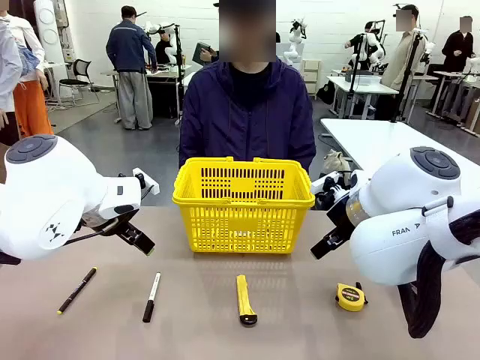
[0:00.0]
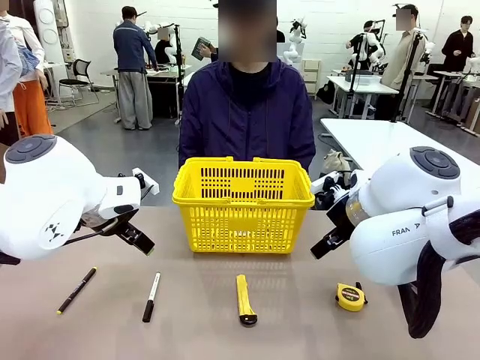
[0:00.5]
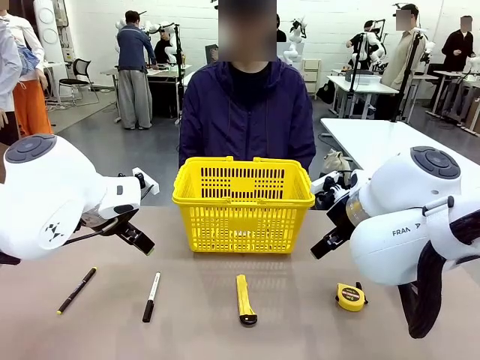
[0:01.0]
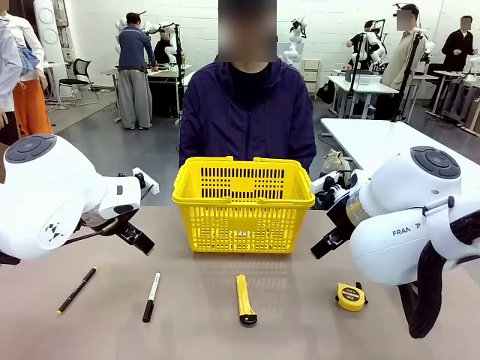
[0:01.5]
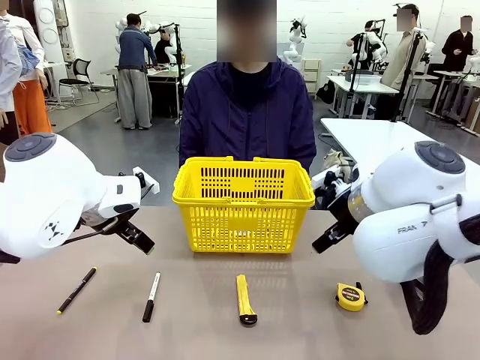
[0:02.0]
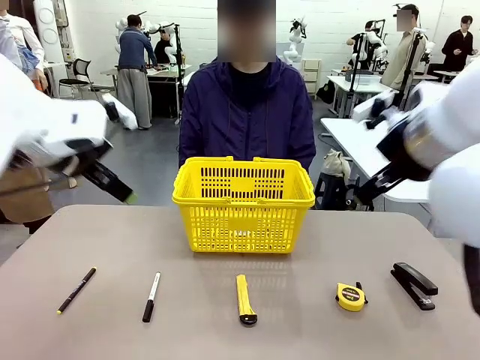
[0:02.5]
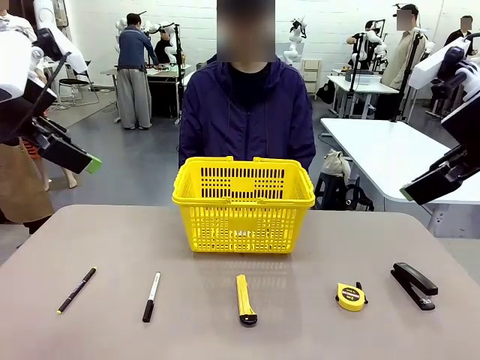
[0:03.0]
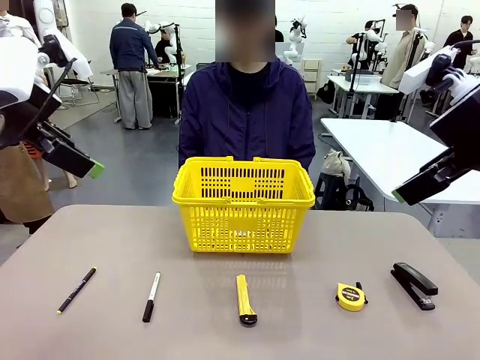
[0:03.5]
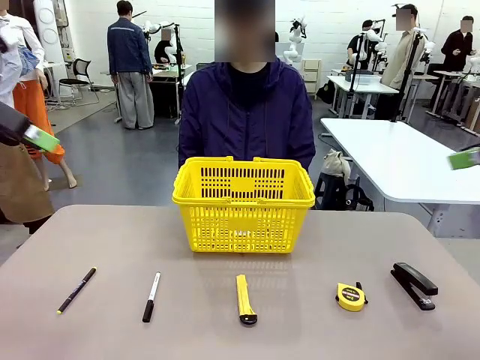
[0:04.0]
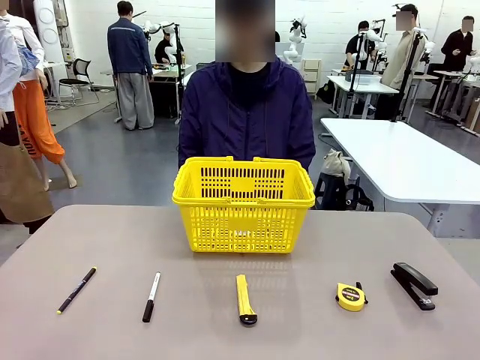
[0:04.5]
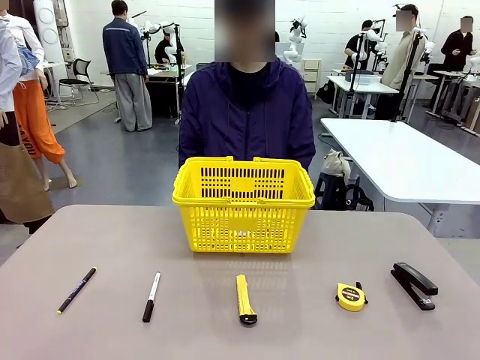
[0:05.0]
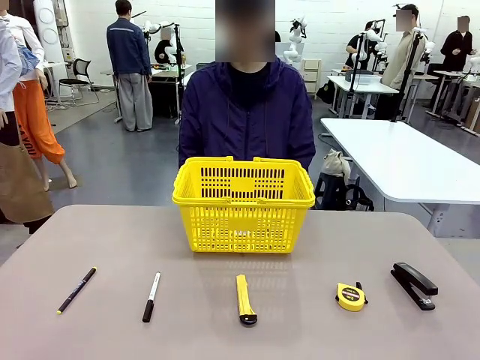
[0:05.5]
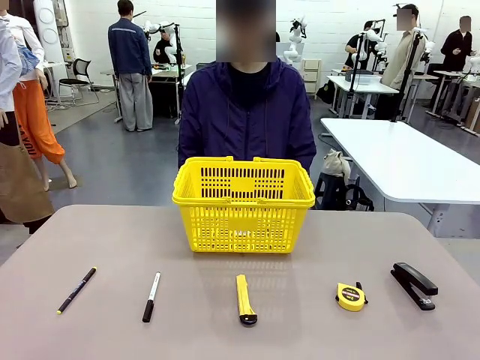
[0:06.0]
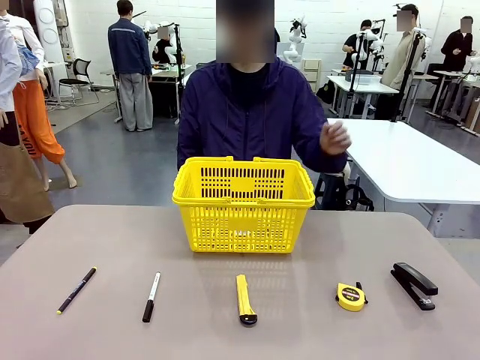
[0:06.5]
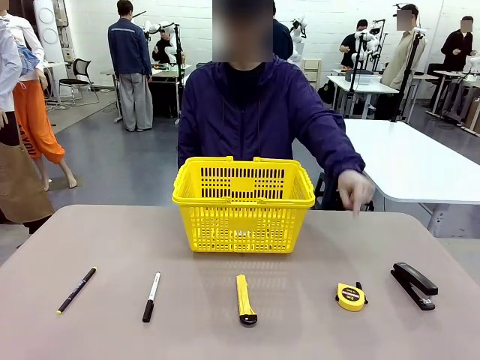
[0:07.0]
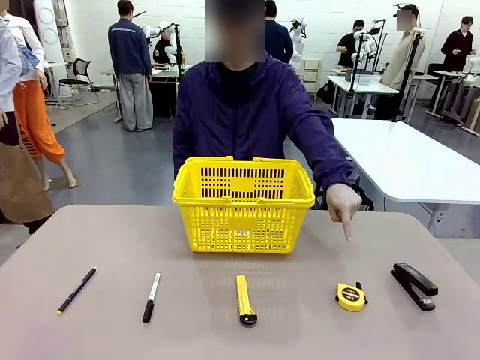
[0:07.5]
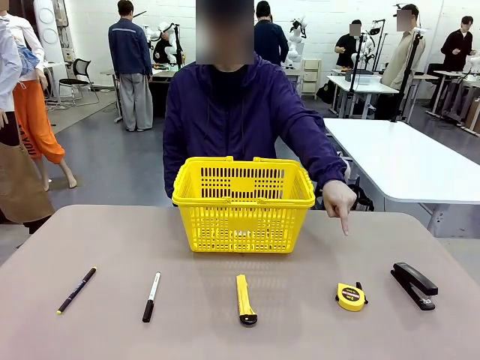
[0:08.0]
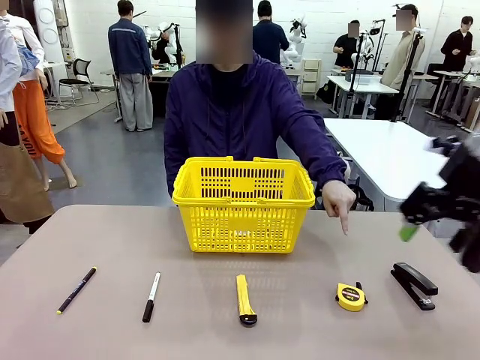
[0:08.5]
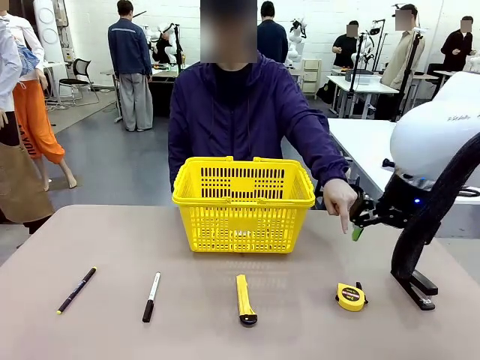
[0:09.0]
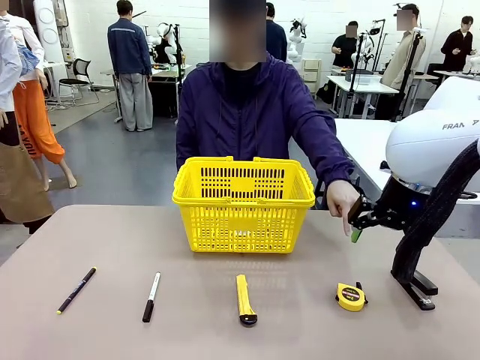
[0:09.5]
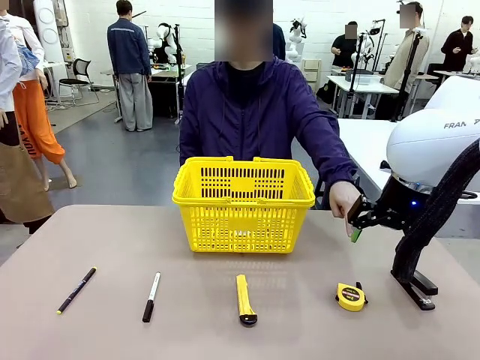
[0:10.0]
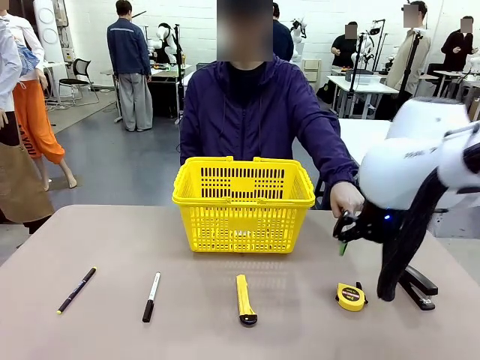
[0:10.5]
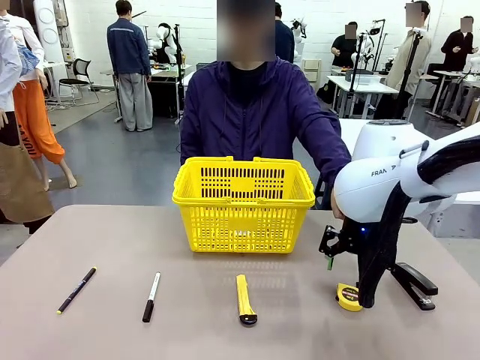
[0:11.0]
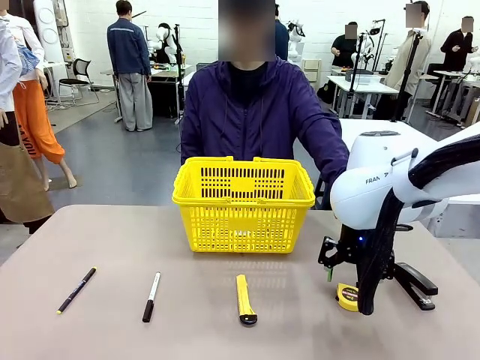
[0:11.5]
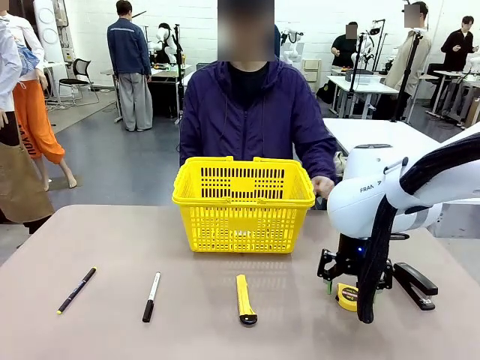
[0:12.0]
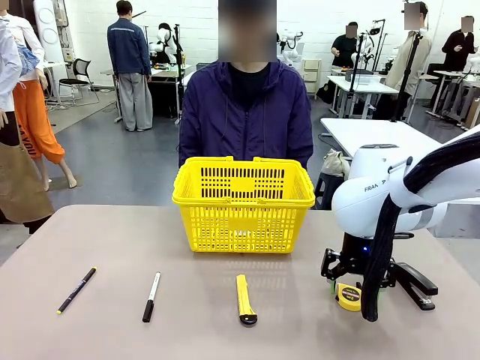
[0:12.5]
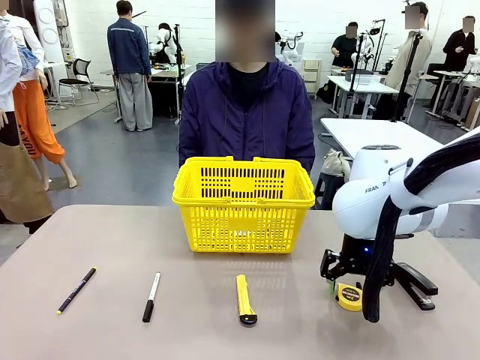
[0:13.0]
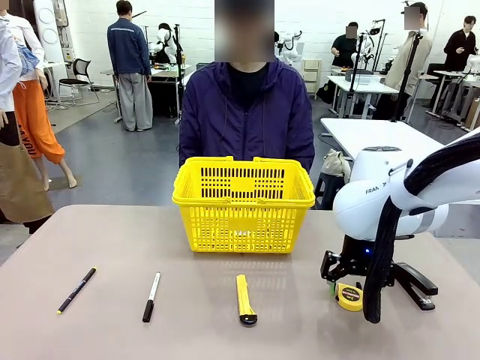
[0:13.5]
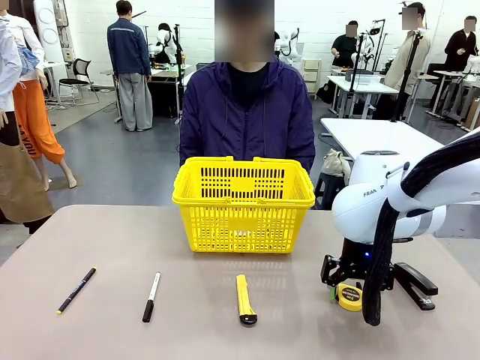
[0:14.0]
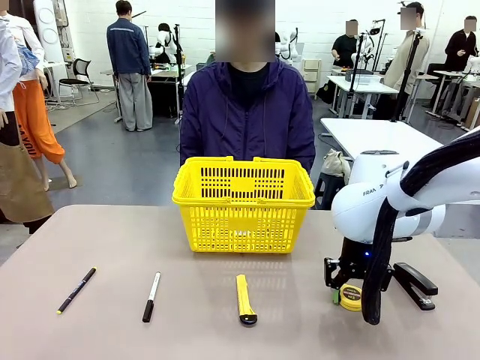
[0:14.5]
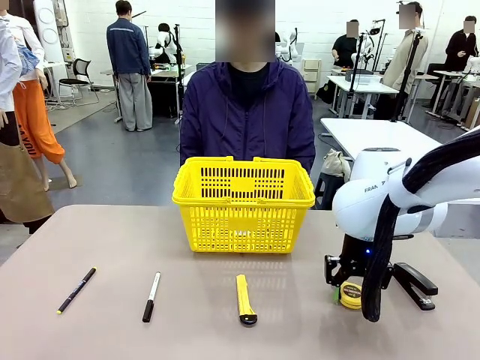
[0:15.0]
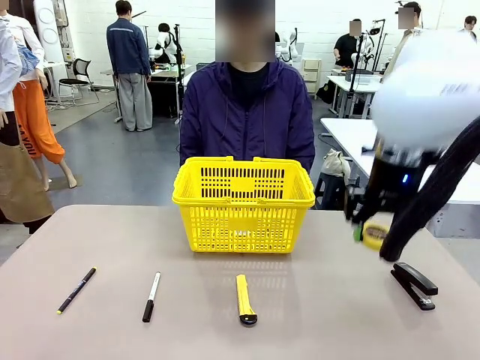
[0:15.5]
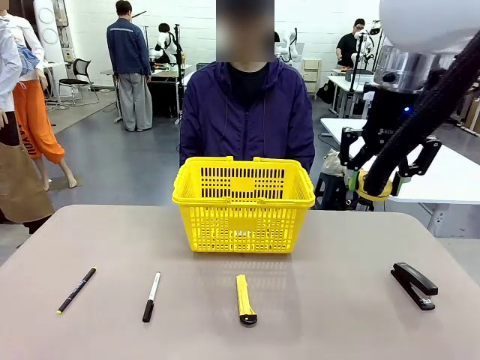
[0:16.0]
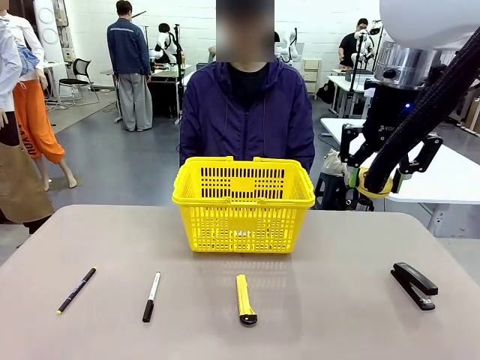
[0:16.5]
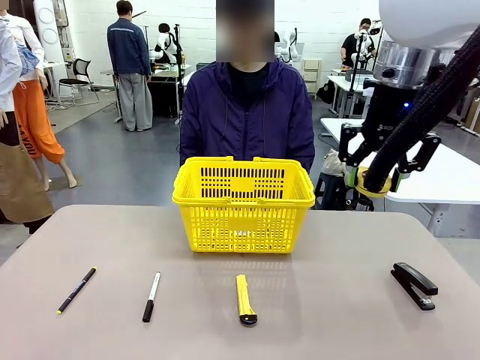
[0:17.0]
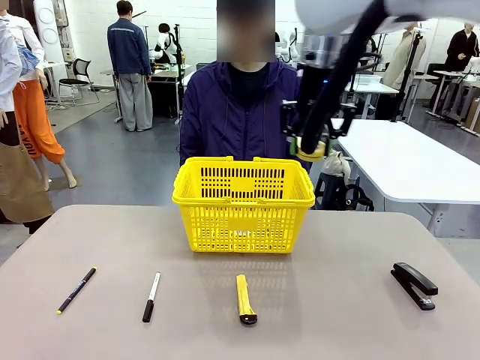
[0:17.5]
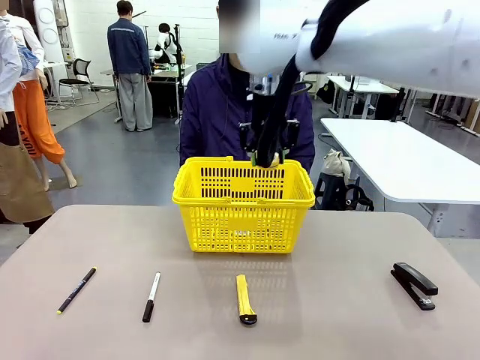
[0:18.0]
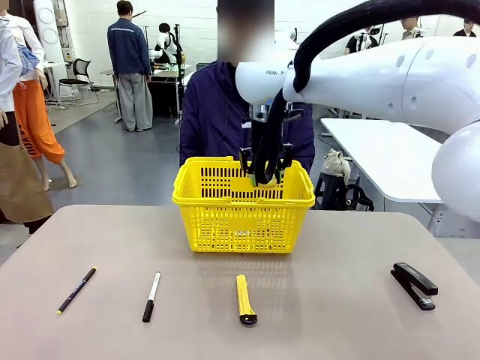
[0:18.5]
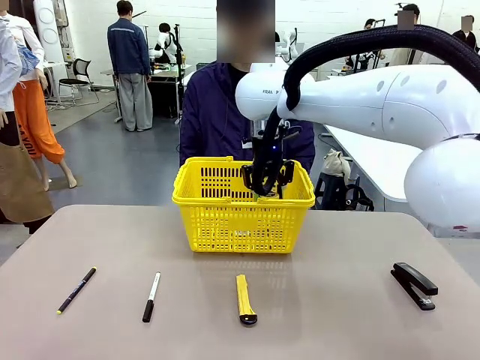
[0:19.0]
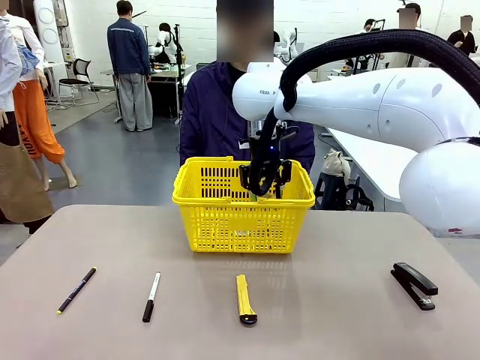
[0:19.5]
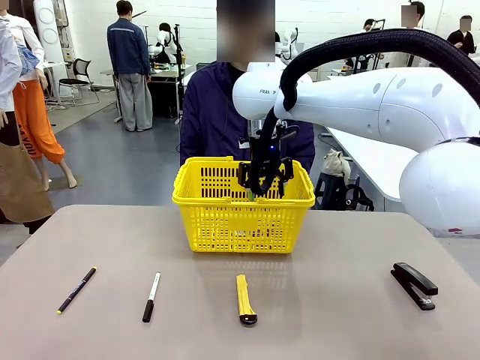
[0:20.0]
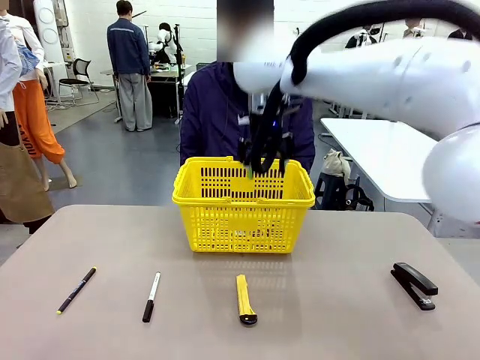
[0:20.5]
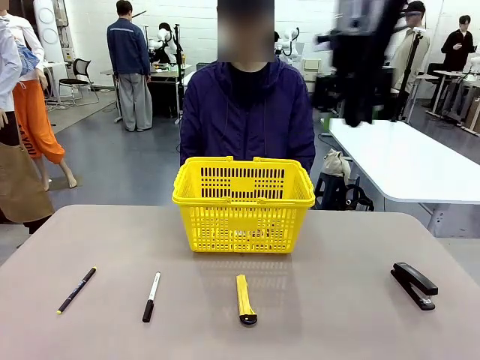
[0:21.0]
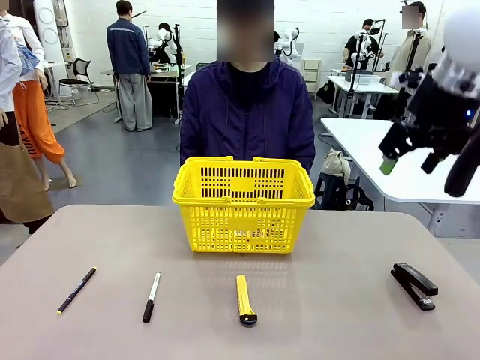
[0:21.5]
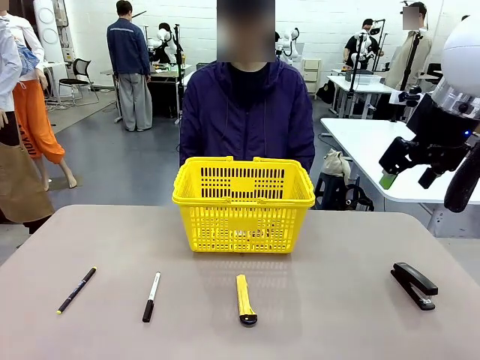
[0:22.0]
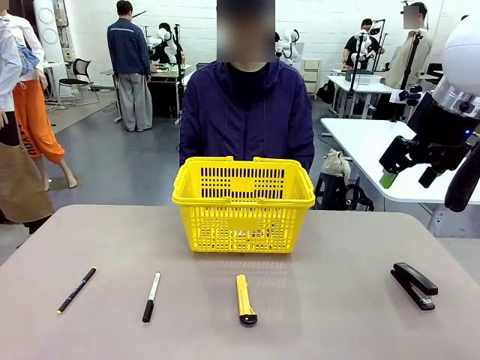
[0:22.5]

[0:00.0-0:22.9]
Task: Place the items the person wants into the basket.
Robot: Pick up the item the person points to and place it in the Market Basket.

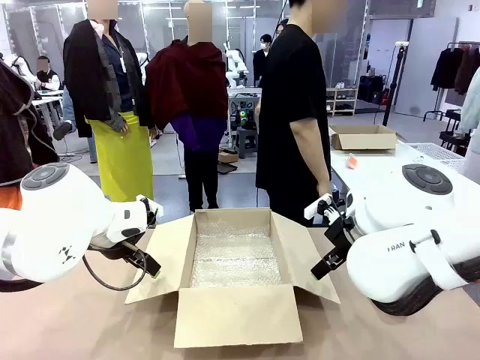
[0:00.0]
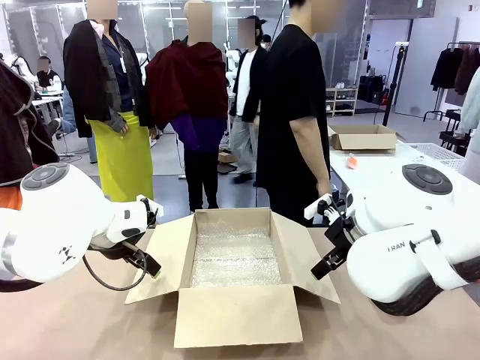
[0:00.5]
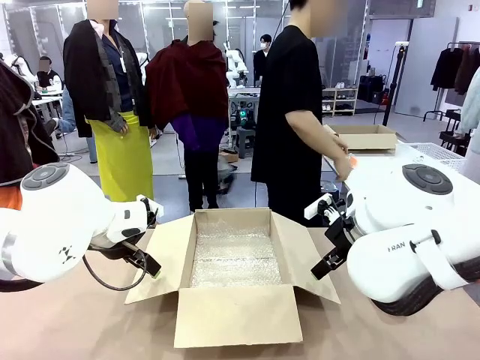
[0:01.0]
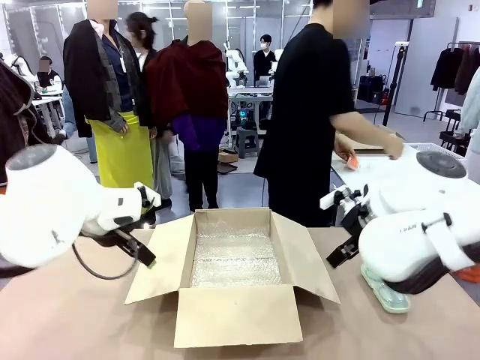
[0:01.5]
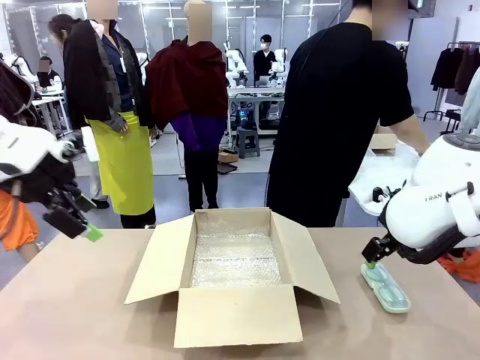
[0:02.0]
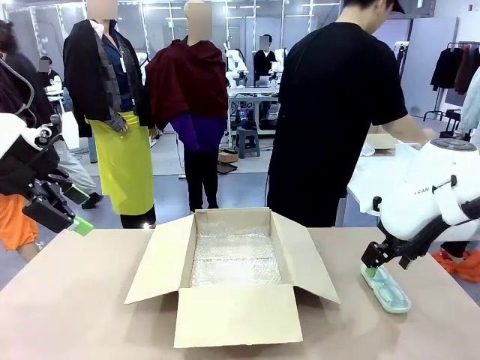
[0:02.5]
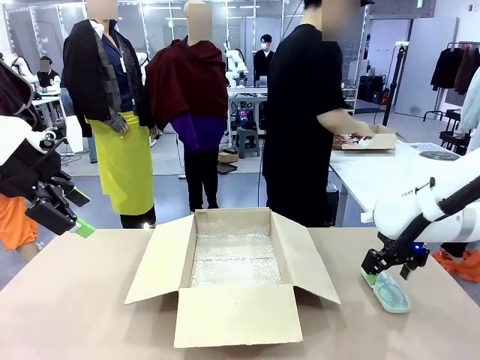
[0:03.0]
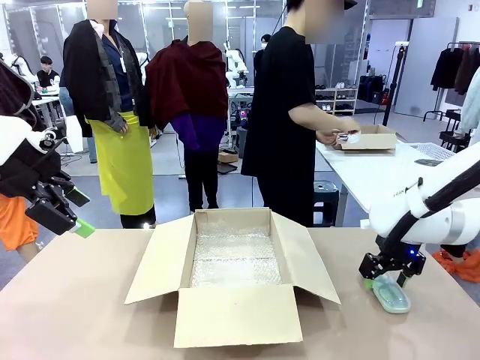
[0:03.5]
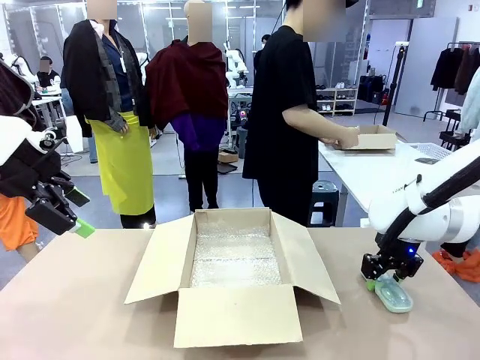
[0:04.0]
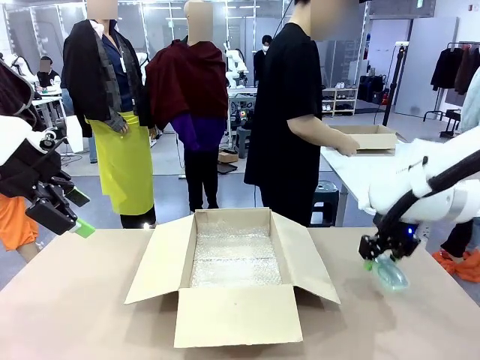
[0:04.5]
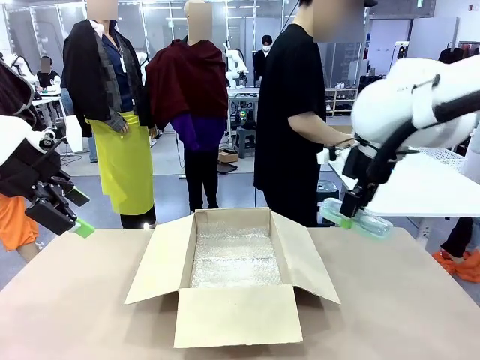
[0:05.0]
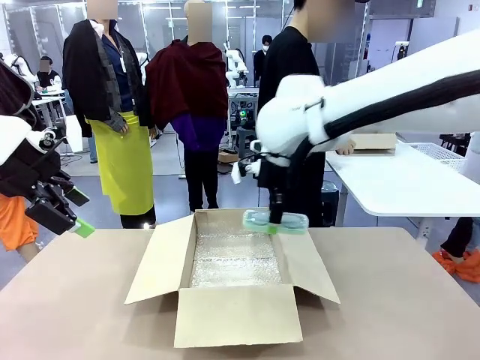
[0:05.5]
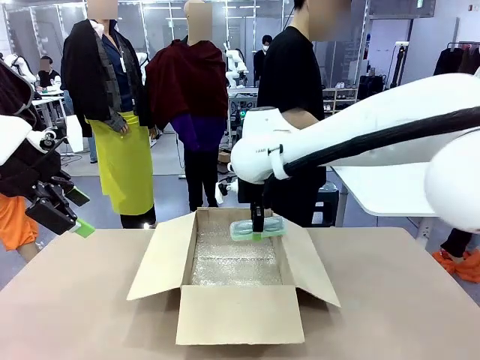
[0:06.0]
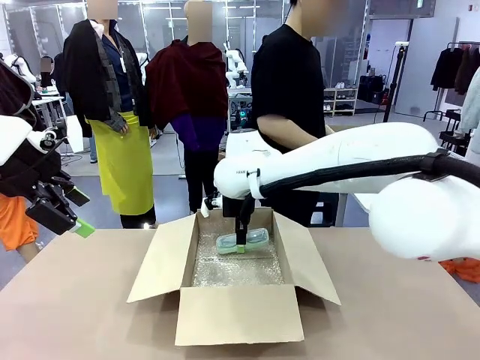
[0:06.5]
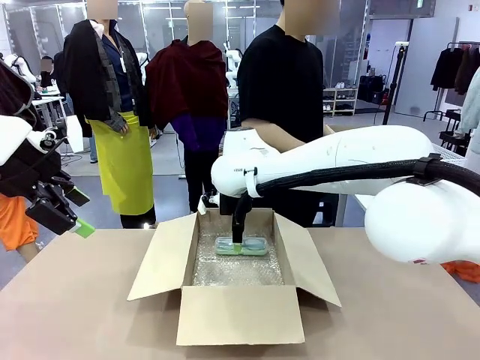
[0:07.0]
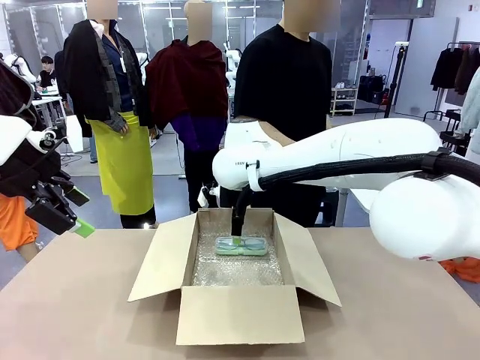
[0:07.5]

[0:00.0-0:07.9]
Task: Pack the glasses set securely to prepare it for shipping.
Robot: Place the Glasses case inside the Package Box.
Person: Place the Glasses inside the Glasses case.
